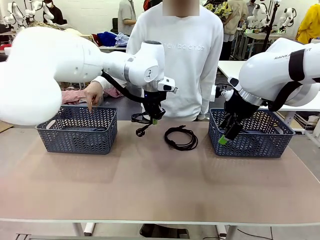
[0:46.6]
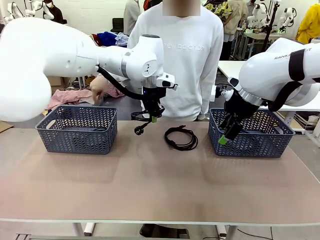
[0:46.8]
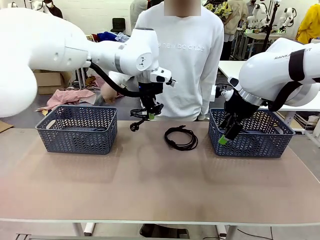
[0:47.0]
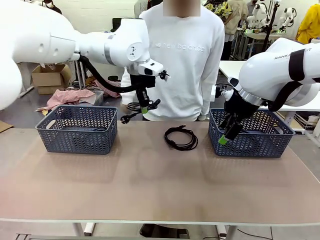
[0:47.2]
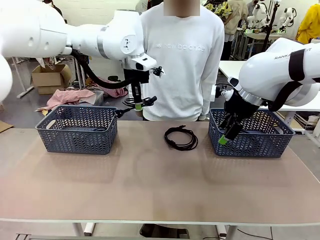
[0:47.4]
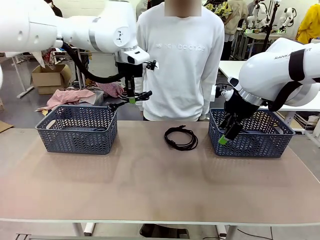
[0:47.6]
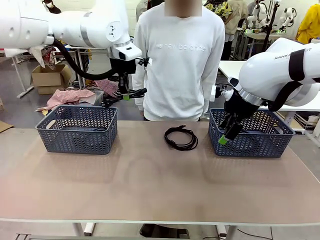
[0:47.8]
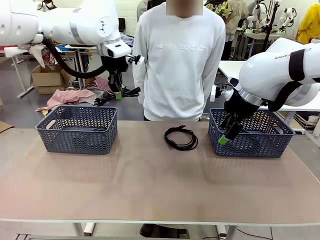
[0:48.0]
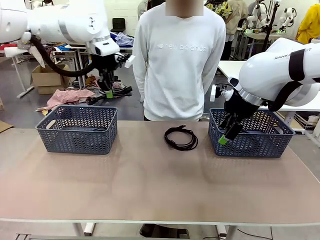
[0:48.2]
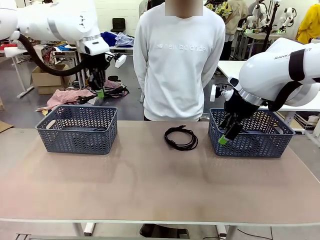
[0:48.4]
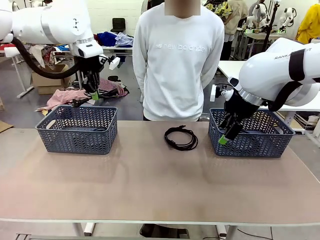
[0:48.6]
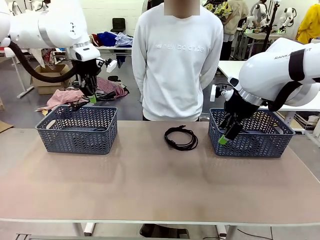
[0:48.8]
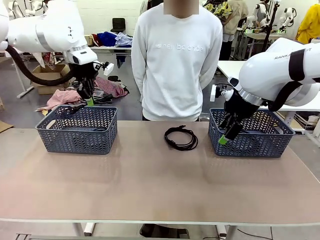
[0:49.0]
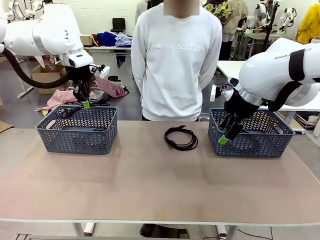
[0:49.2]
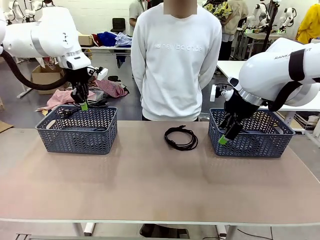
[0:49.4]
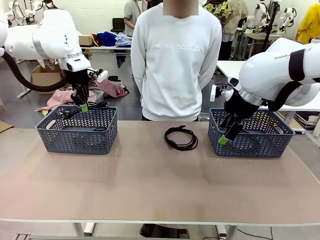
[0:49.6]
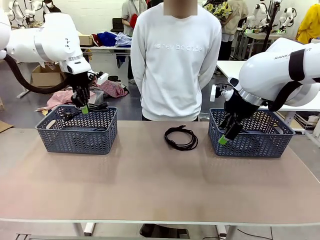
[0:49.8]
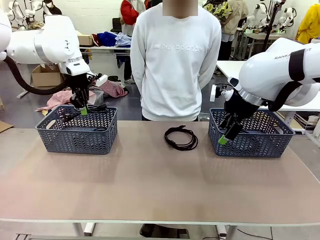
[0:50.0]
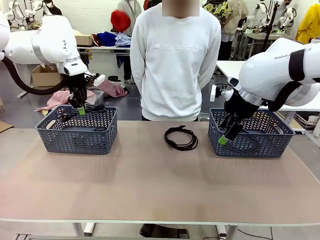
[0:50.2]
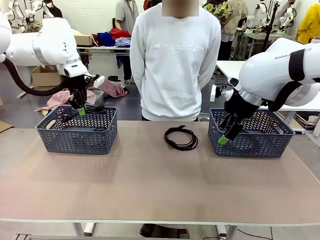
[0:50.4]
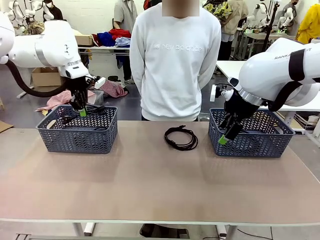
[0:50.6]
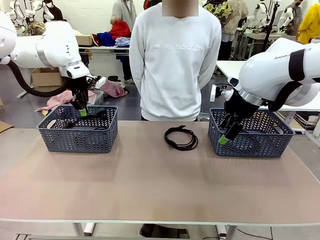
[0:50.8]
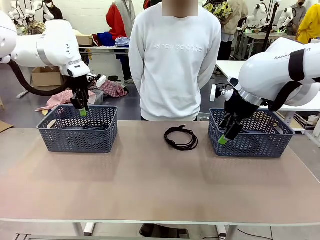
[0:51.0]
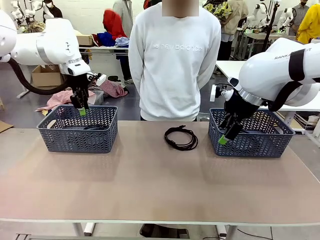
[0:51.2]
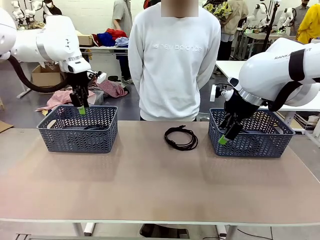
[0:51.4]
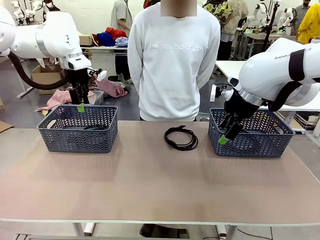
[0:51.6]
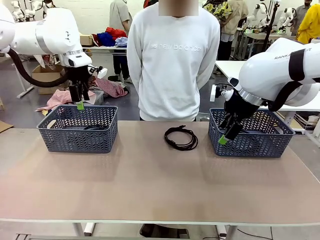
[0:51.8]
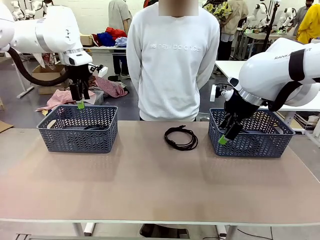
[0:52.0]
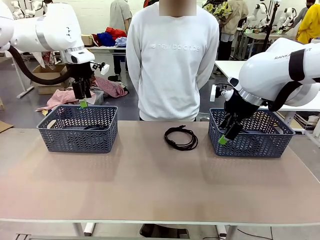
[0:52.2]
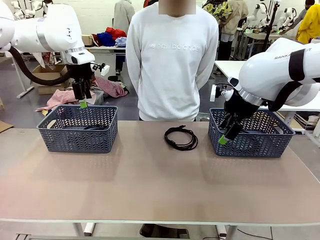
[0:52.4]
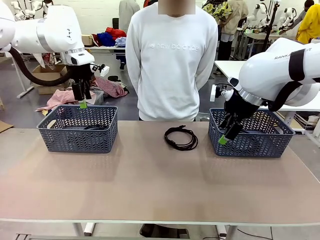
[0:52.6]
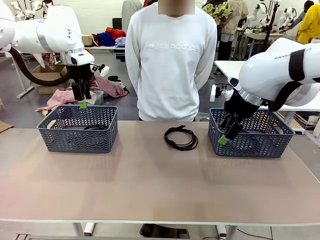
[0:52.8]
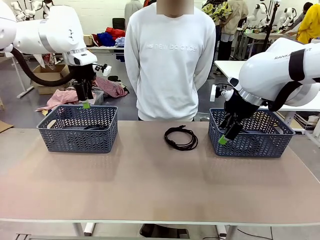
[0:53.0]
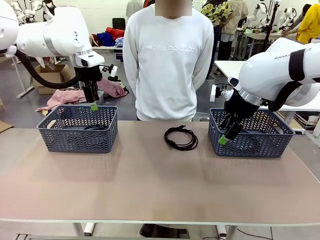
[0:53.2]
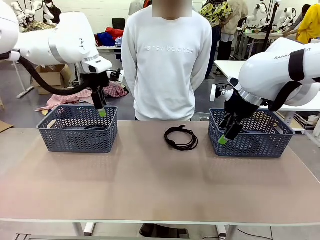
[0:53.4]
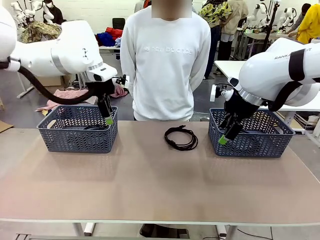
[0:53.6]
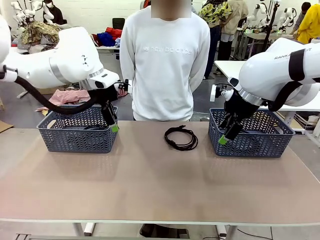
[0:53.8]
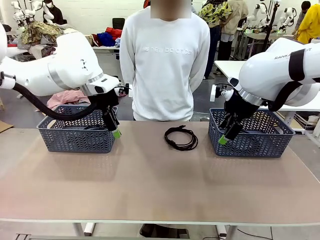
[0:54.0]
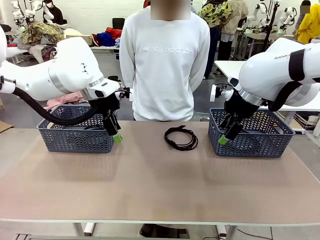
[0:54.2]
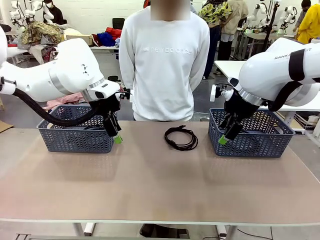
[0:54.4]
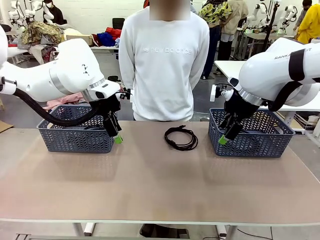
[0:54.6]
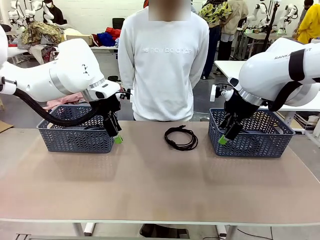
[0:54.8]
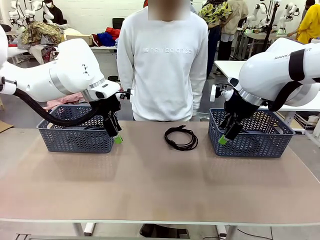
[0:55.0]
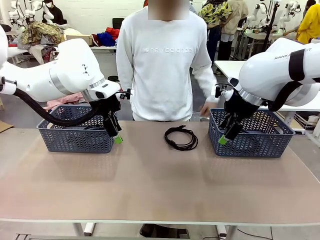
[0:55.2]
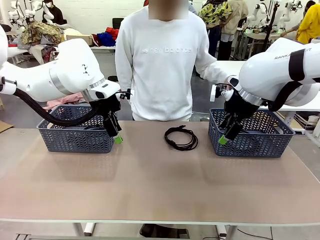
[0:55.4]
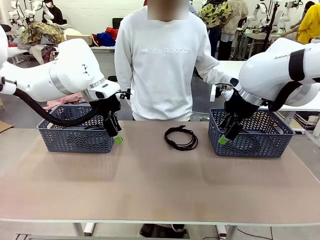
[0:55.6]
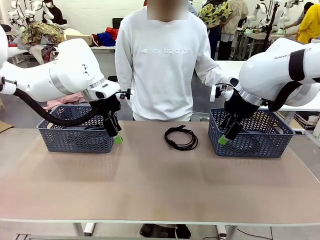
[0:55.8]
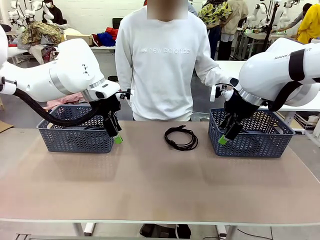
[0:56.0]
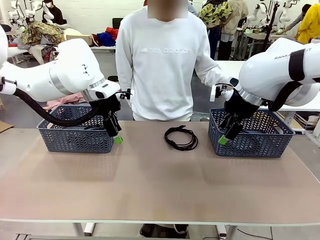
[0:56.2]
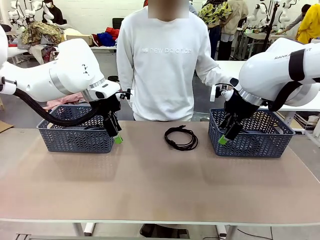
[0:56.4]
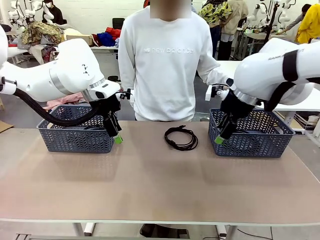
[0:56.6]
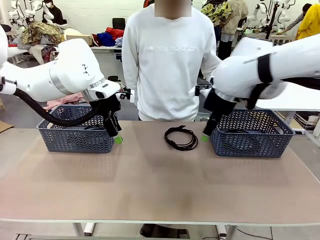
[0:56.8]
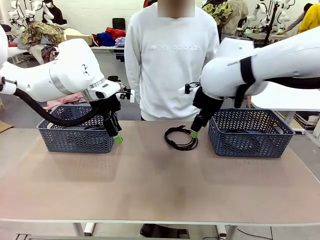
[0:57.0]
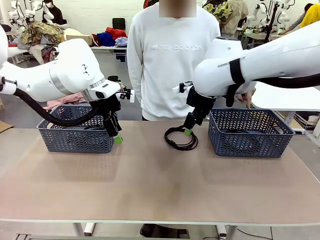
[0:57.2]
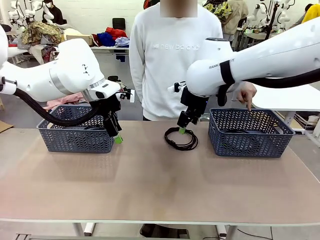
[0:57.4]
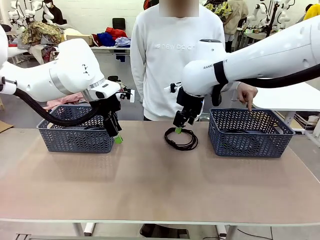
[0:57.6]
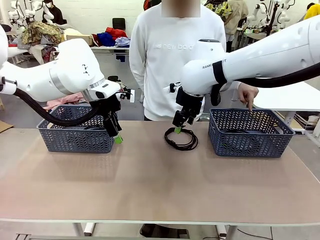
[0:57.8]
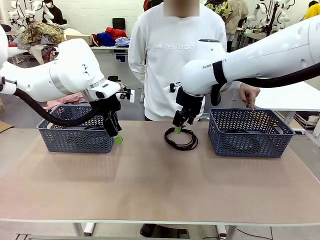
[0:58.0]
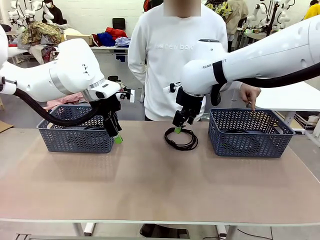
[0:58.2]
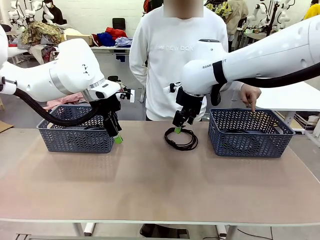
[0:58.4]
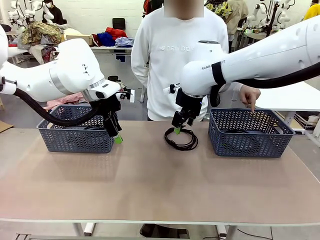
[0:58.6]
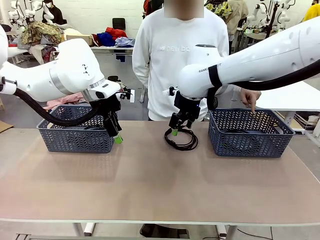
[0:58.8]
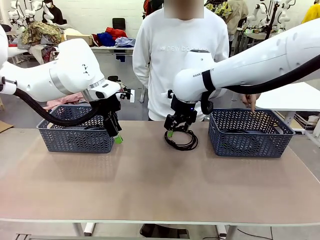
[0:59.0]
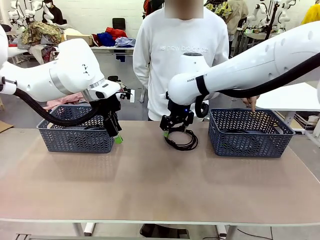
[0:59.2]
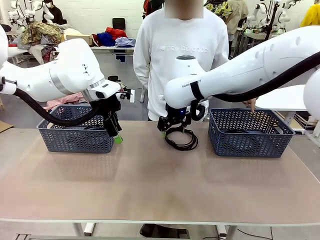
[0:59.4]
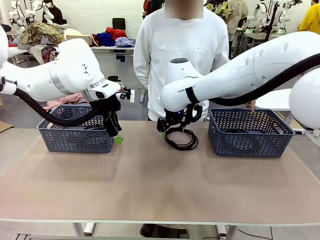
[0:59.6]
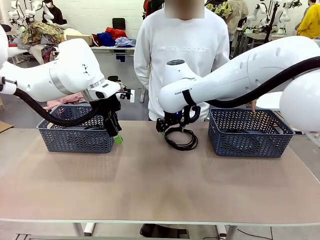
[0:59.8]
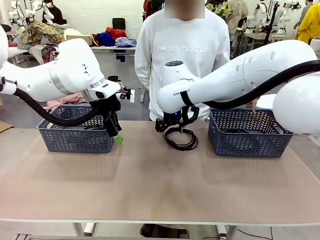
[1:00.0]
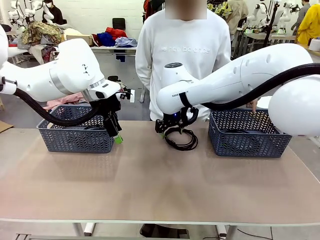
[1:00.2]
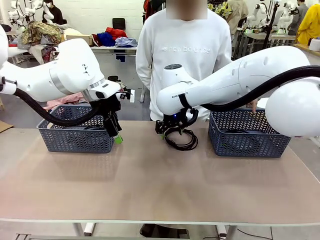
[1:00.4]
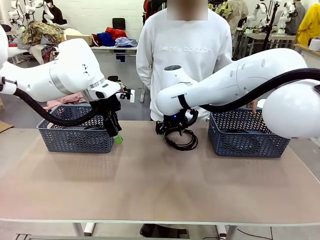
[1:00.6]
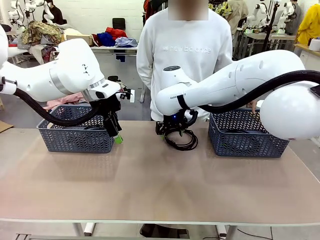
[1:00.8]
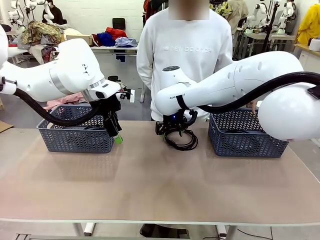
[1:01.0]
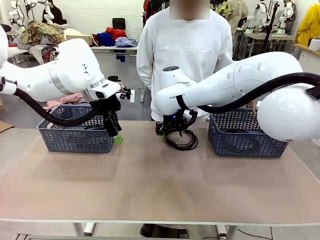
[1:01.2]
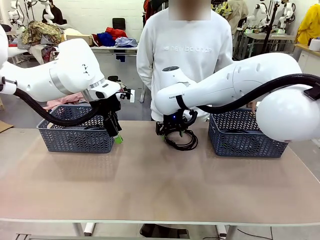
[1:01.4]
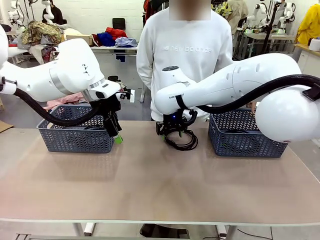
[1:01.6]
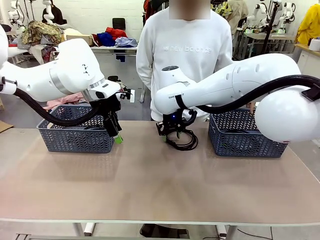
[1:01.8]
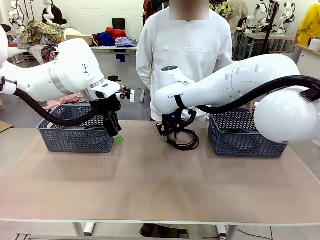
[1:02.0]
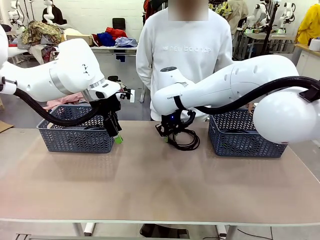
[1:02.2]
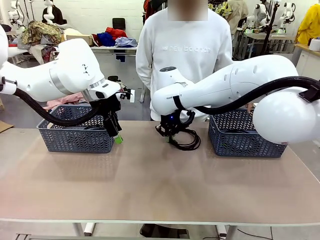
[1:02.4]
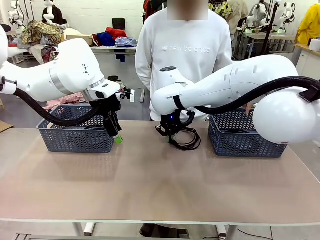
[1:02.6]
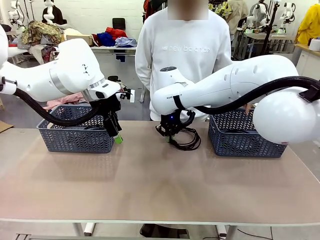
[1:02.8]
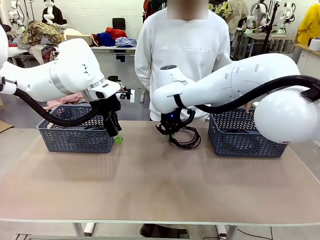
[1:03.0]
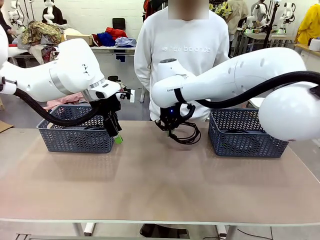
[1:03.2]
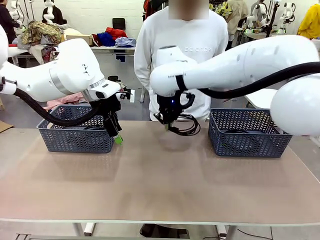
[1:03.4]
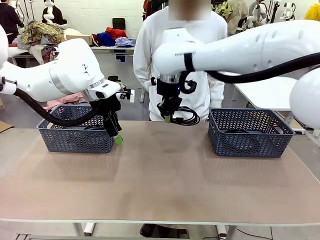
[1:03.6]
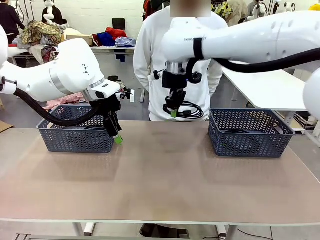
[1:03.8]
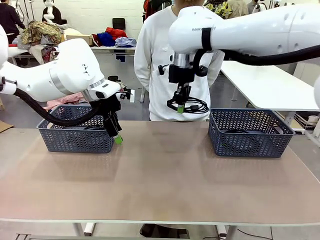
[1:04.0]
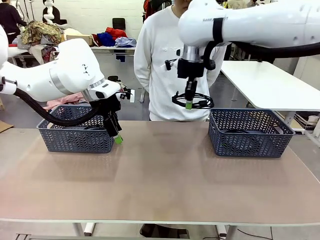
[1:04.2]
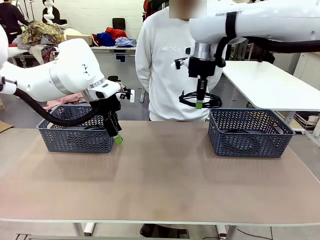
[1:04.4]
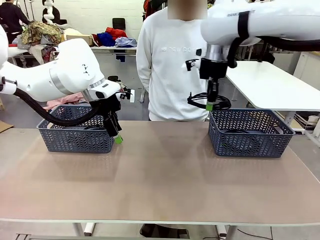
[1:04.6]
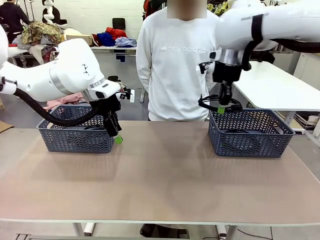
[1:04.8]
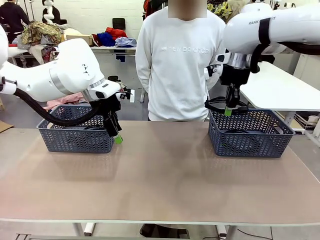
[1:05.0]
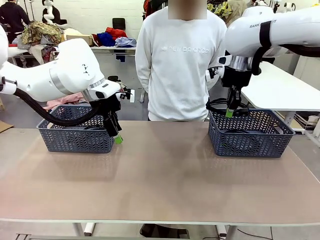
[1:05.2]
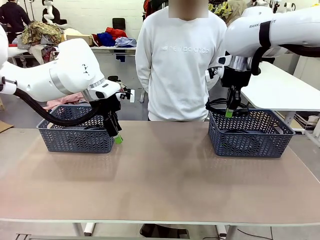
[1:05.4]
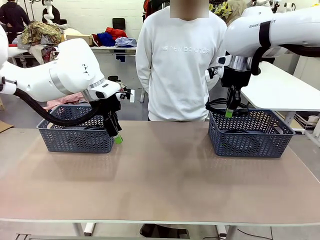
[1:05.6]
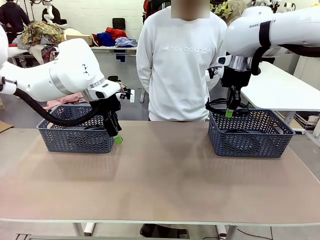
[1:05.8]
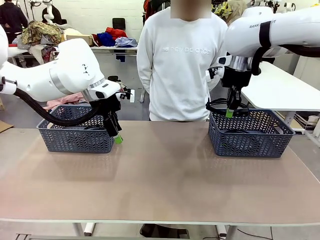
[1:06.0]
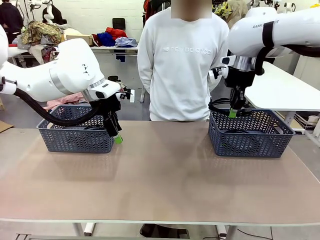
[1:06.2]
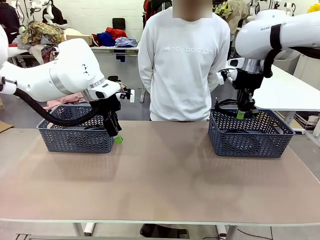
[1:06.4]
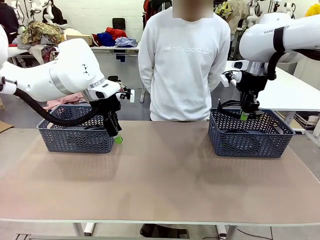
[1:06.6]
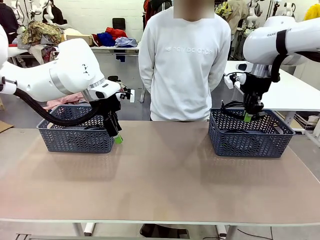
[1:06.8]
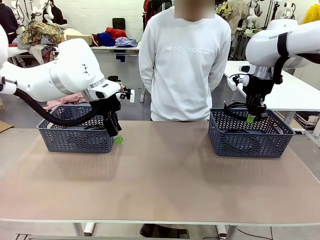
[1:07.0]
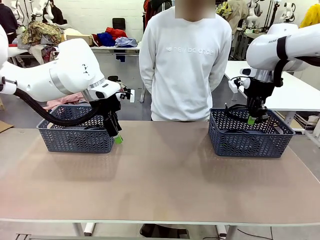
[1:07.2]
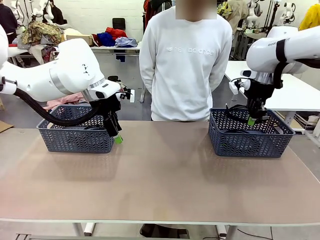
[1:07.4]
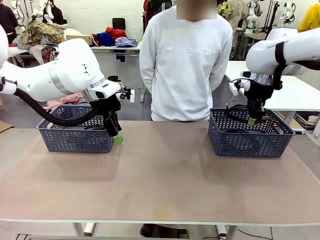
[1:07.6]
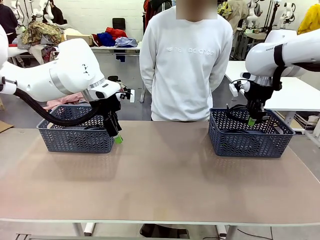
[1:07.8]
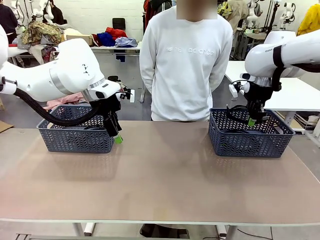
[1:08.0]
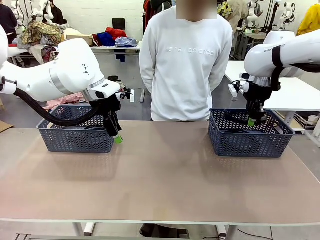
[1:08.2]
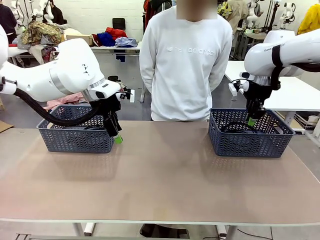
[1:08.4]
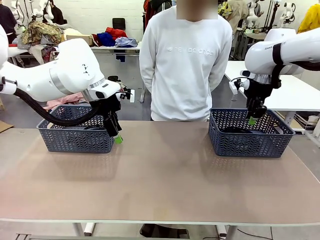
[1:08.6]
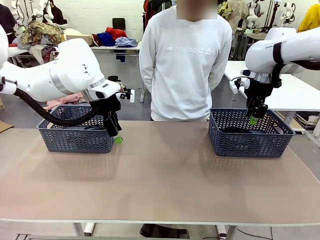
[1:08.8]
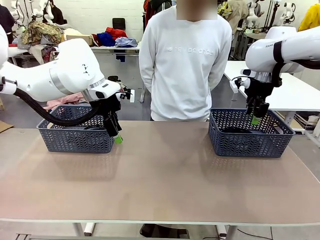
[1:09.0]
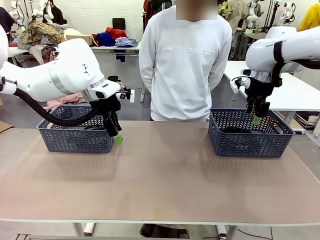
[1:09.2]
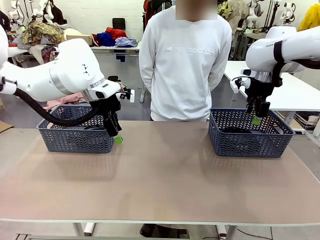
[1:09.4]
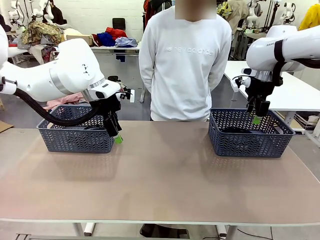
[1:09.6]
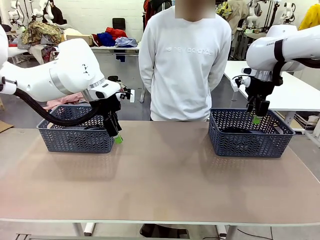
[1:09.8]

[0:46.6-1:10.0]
Task: Organize the cables according to human instructions.
Robot: Pick up a bundle of cables and place it in the basket indicated by the human.
